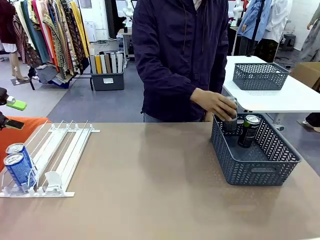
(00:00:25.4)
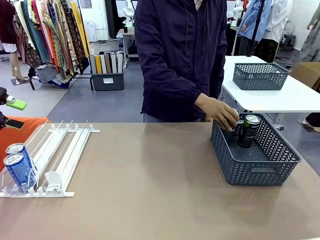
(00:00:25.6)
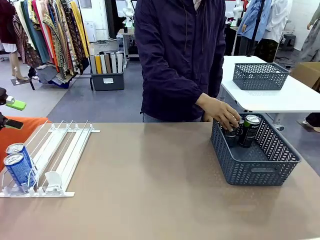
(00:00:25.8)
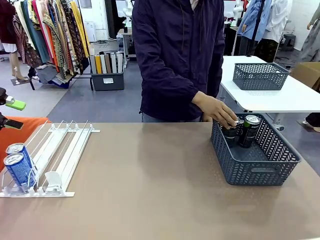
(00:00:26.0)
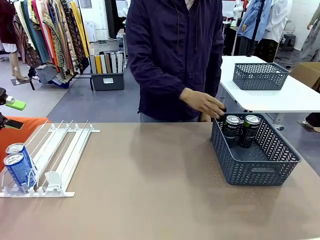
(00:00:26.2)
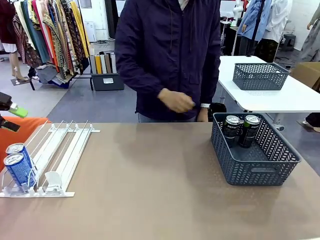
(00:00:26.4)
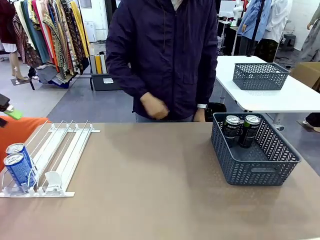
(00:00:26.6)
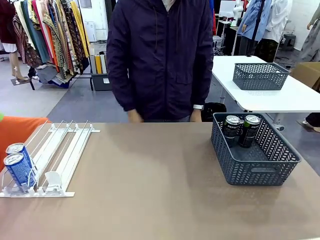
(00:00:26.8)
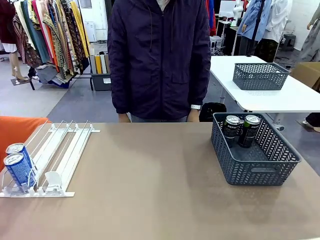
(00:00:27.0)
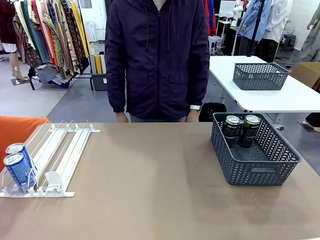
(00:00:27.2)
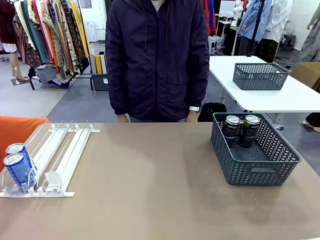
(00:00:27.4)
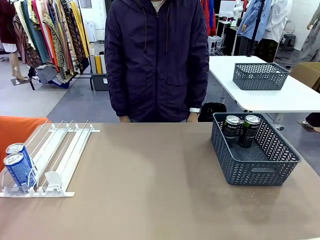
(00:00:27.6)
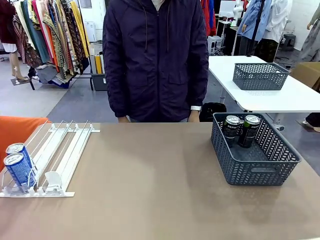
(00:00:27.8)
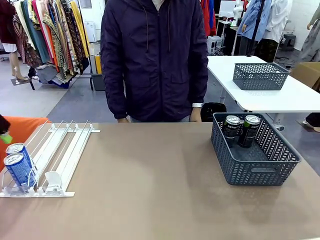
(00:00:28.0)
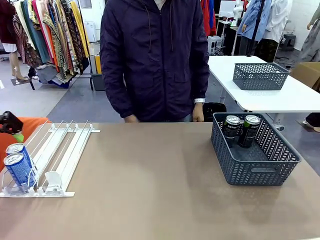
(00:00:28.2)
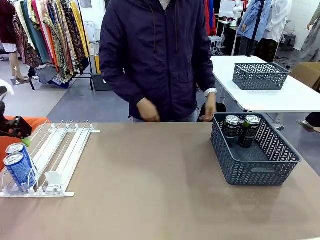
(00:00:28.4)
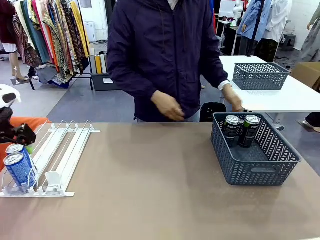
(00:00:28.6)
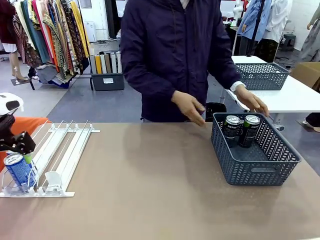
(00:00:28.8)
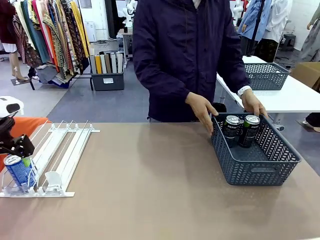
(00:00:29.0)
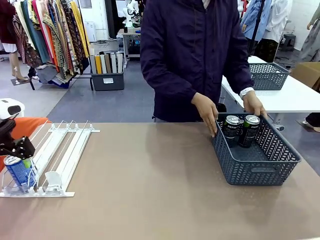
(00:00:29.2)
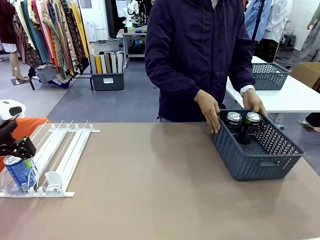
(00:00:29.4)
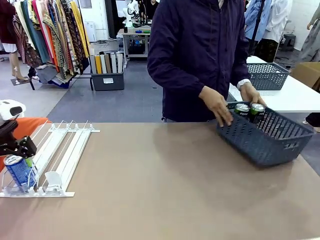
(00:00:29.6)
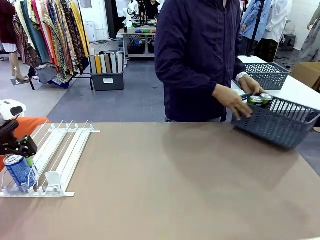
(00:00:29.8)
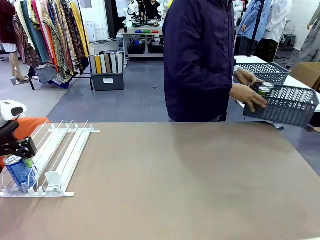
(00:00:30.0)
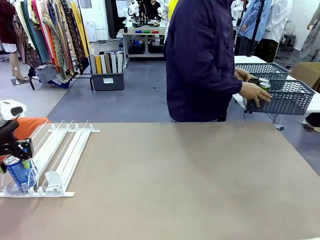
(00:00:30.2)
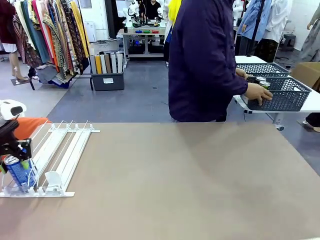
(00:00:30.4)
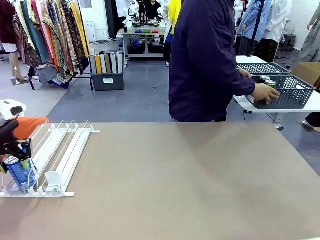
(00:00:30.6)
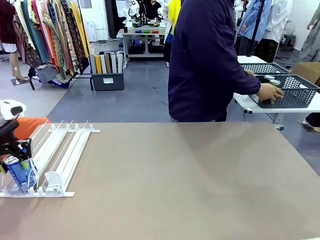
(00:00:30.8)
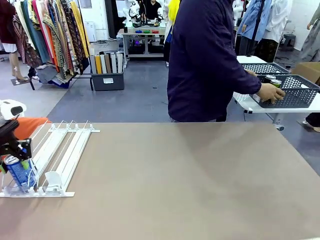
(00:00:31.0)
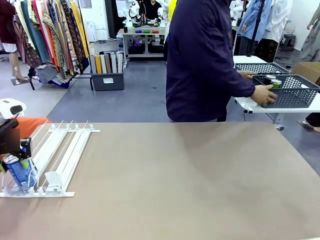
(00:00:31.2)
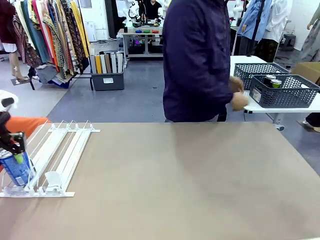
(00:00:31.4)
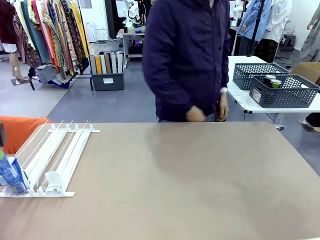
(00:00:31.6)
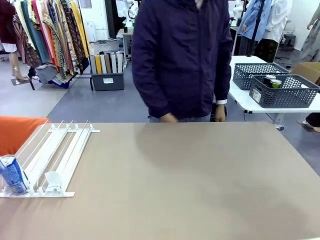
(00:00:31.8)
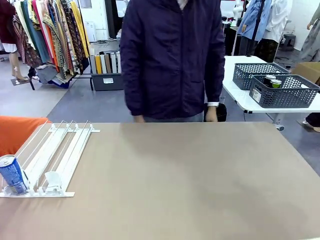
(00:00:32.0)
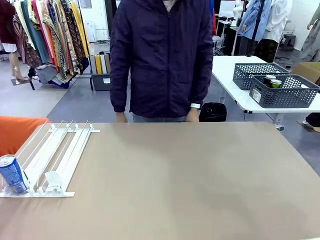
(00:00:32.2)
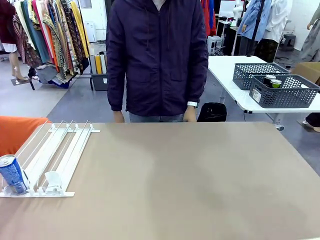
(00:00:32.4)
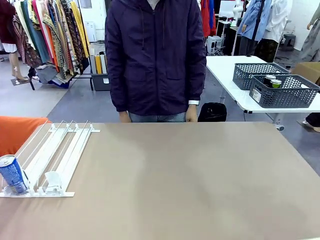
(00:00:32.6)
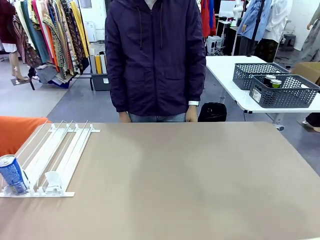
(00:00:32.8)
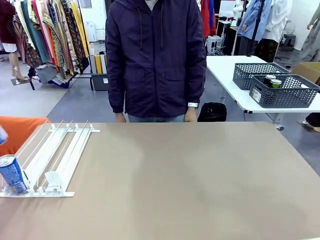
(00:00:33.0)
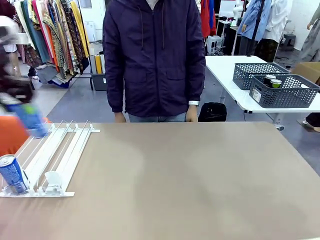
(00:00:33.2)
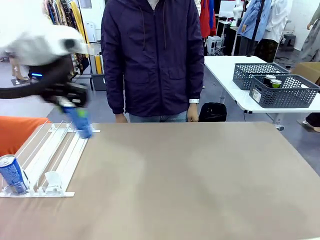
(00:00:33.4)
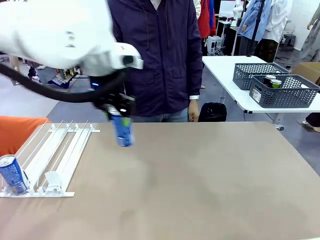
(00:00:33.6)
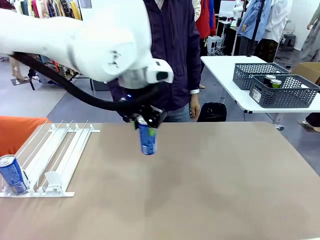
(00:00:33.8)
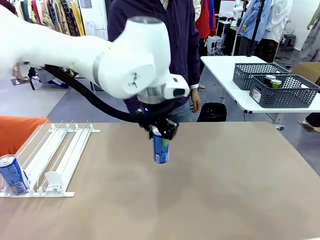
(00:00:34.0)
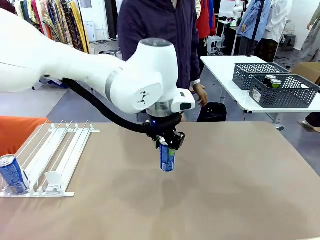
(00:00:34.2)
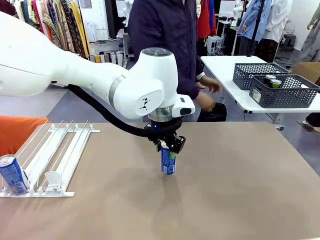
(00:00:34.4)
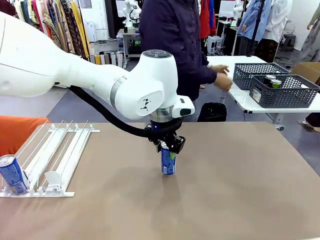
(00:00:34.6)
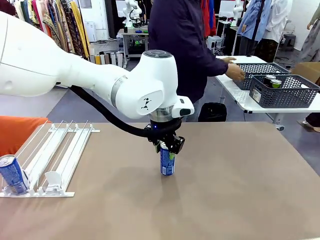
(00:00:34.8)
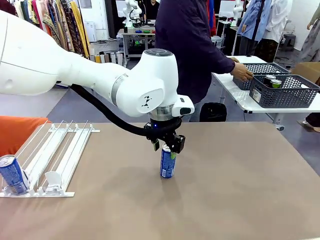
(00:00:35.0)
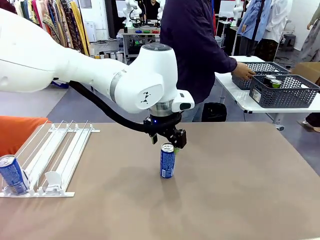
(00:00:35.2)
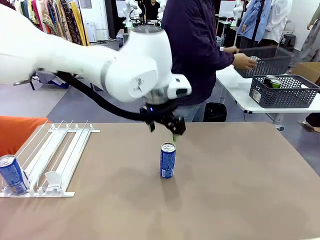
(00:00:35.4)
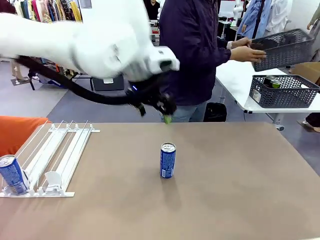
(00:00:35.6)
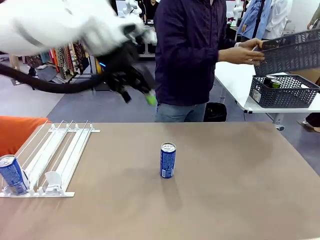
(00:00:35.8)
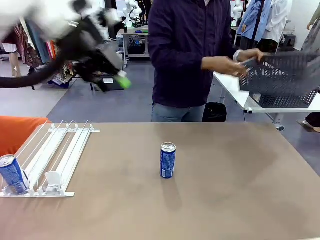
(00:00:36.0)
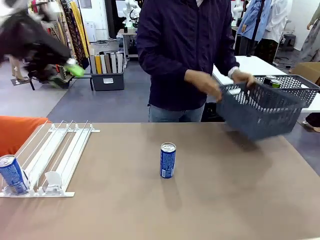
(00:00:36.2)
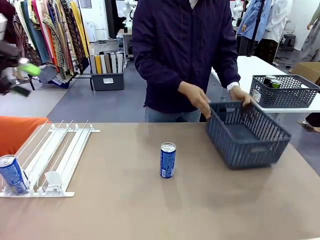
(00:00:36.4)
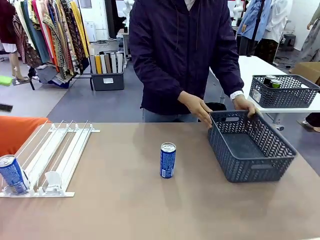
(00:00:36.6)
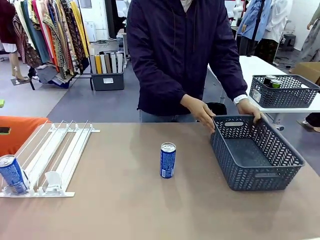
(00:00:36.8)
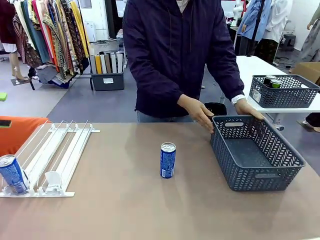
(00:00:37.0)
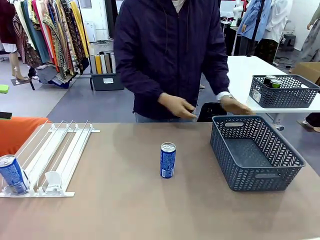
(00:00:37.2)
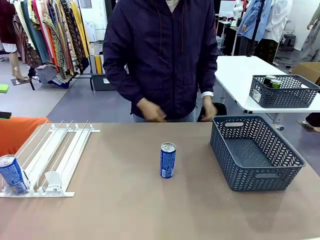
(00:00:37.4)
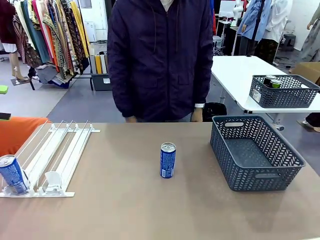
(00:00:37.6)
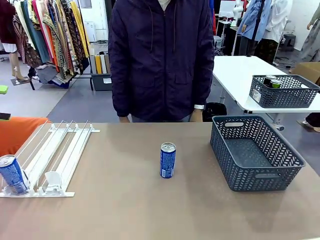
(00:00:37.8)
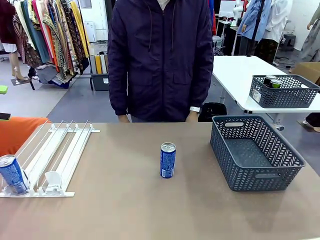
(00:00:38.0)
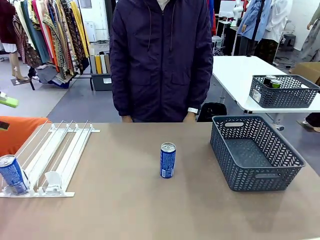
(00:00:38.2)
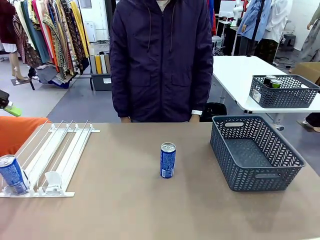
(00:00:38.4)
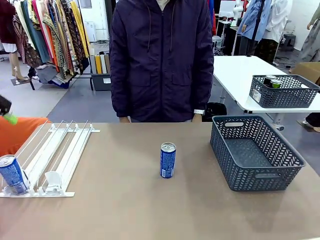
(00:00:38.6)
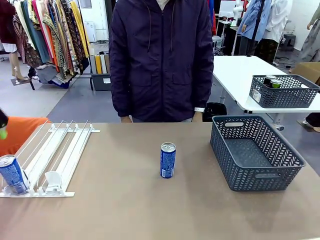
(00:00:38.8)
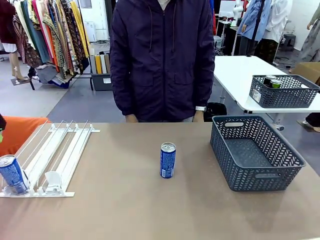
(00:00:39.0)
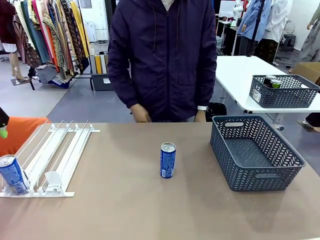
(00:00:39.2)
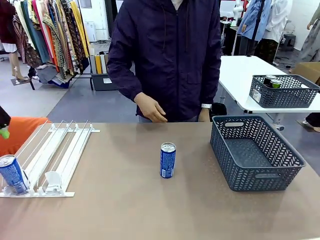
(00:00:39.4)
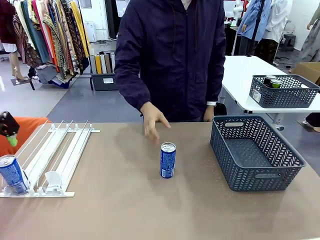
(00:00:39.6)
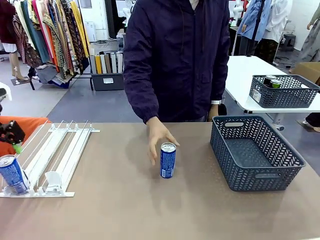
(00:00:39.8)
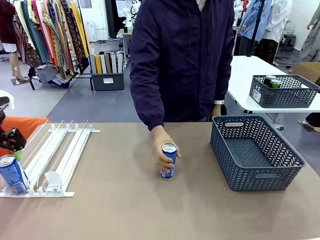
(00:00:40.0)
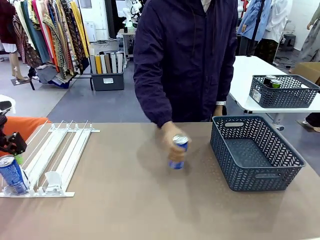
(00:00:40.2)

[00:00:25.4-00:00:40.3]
Task: Retrieve and store the cans from the dispenser.
Robot: Pick up one can from the Automatic Can Dispenser and place it in the middle of the table.
Person: Pick up the basket and place it in the middle of the human table. Pick up the empty basket and place it on the left side of the robot table.
